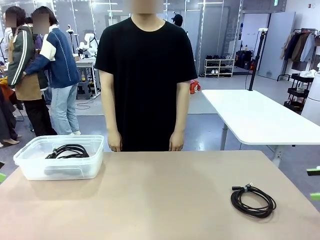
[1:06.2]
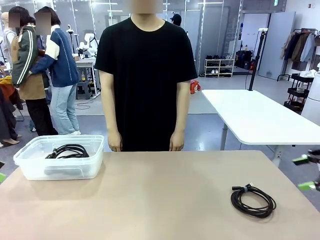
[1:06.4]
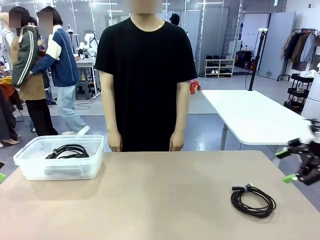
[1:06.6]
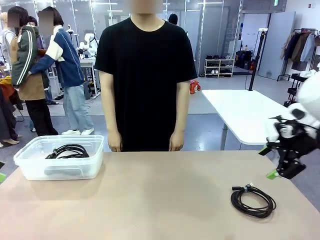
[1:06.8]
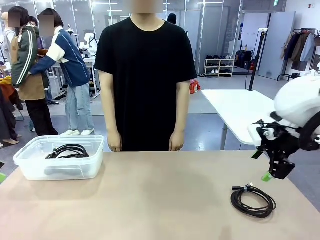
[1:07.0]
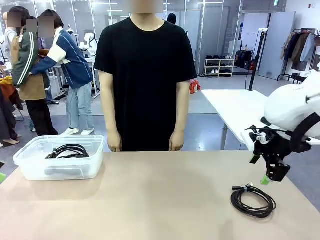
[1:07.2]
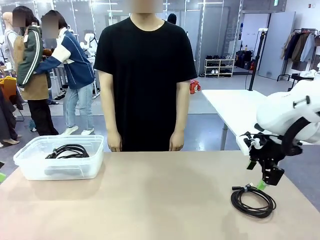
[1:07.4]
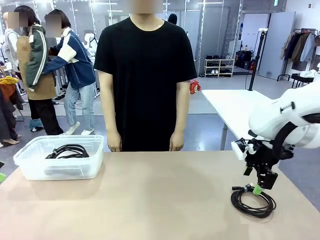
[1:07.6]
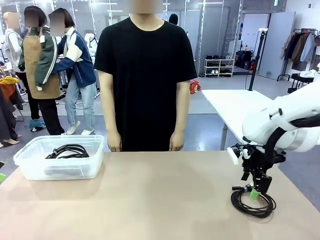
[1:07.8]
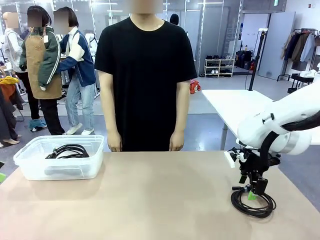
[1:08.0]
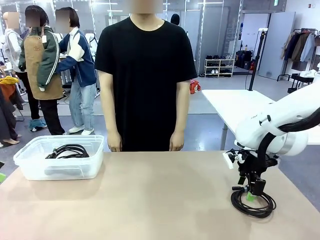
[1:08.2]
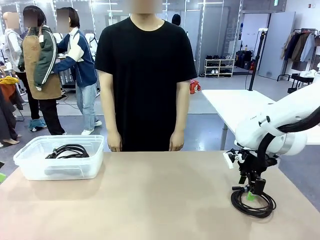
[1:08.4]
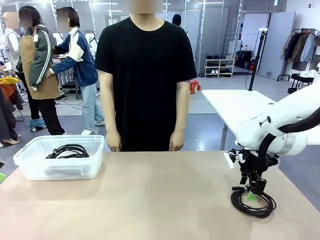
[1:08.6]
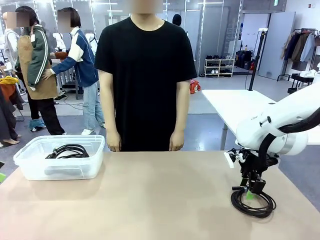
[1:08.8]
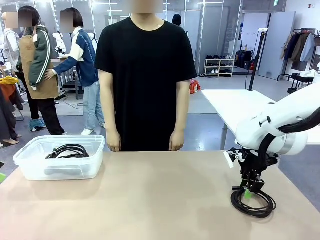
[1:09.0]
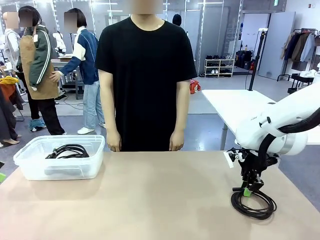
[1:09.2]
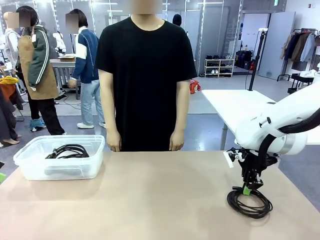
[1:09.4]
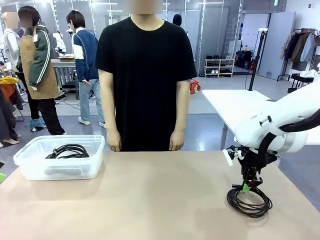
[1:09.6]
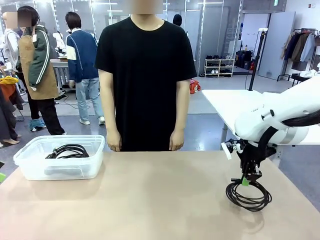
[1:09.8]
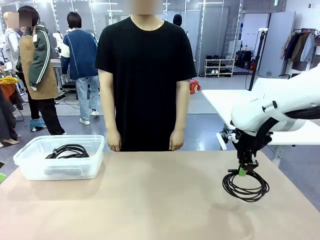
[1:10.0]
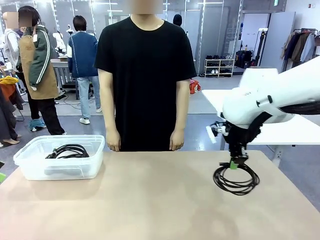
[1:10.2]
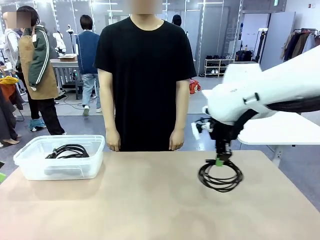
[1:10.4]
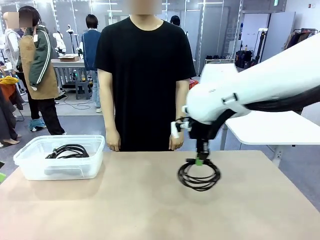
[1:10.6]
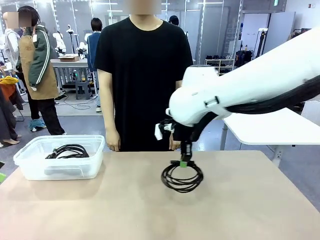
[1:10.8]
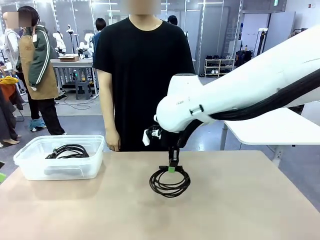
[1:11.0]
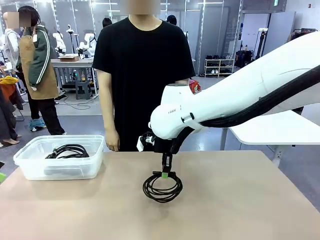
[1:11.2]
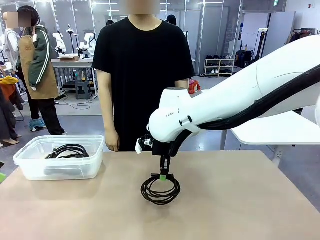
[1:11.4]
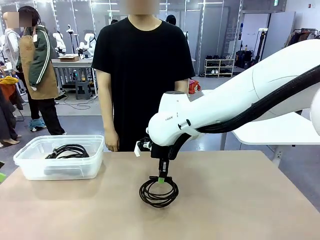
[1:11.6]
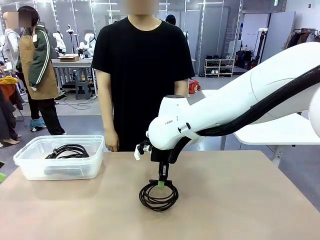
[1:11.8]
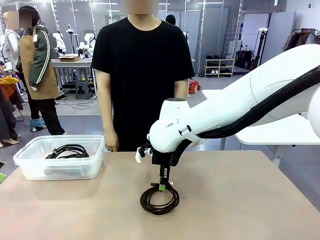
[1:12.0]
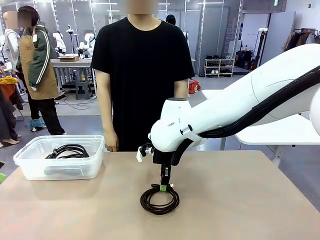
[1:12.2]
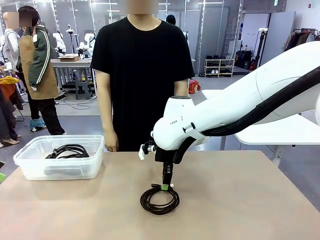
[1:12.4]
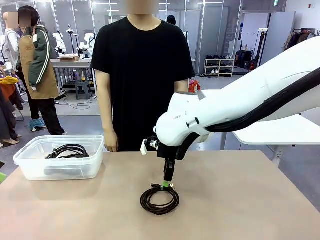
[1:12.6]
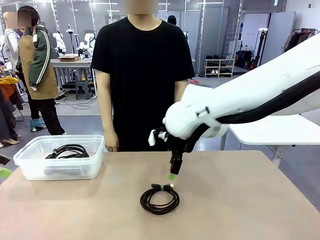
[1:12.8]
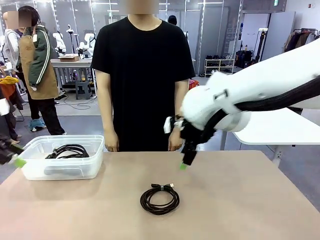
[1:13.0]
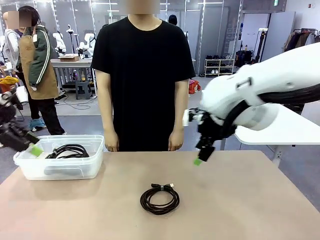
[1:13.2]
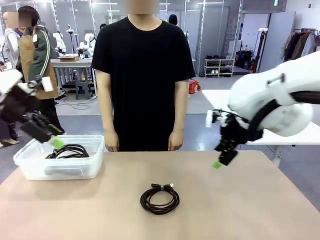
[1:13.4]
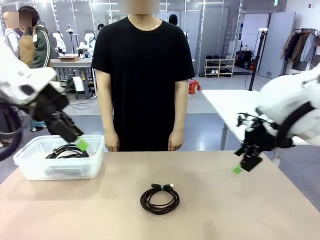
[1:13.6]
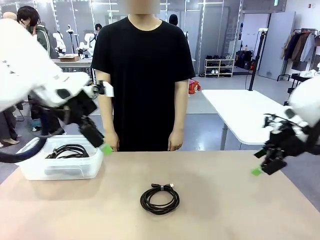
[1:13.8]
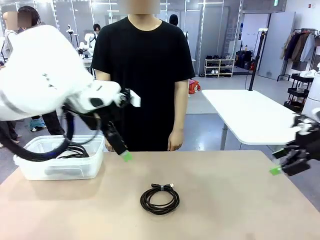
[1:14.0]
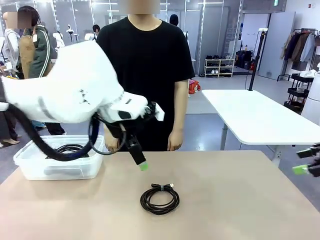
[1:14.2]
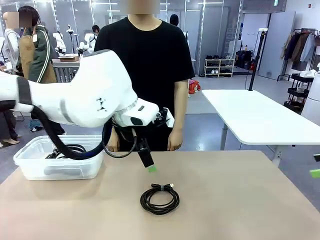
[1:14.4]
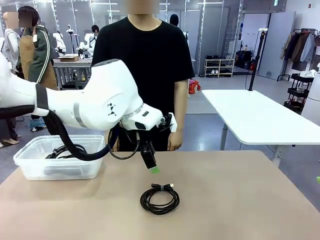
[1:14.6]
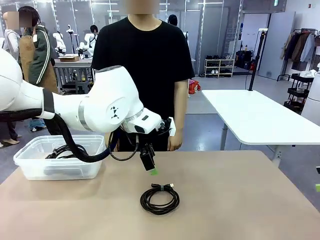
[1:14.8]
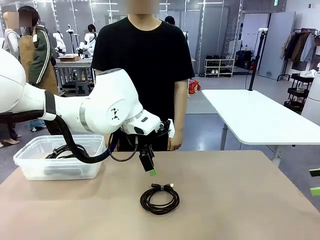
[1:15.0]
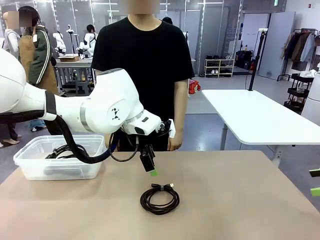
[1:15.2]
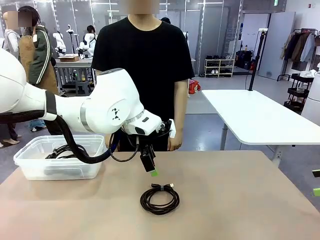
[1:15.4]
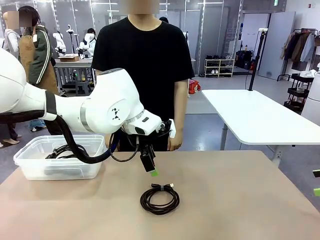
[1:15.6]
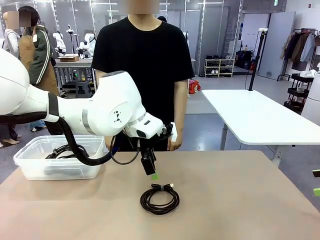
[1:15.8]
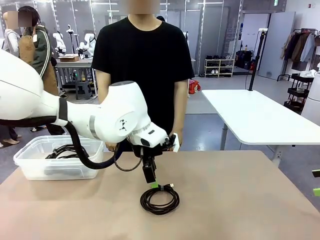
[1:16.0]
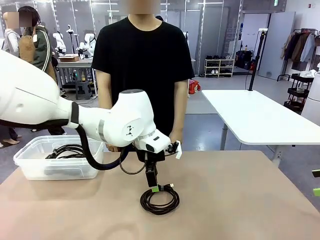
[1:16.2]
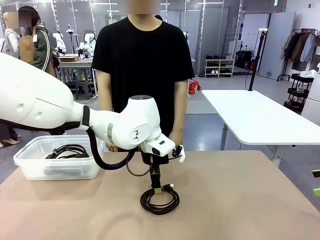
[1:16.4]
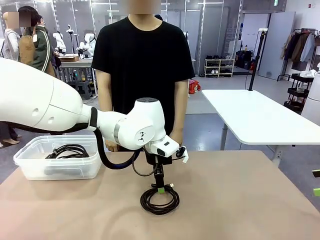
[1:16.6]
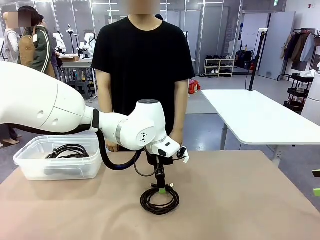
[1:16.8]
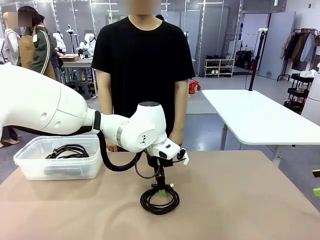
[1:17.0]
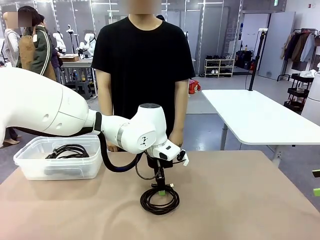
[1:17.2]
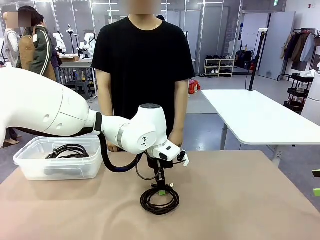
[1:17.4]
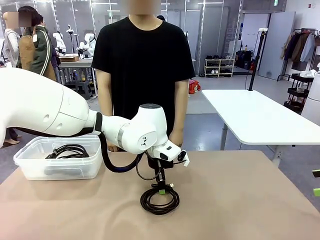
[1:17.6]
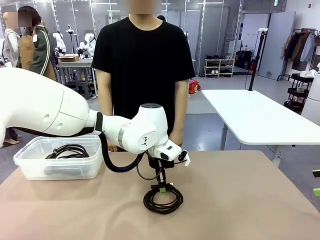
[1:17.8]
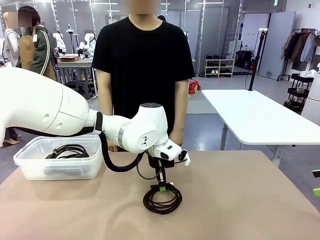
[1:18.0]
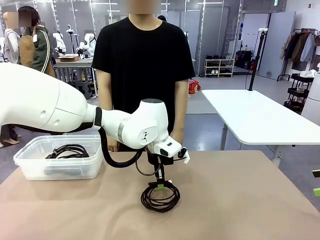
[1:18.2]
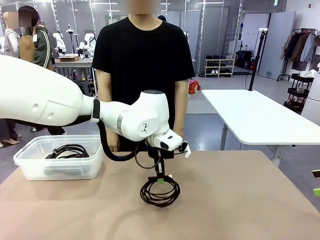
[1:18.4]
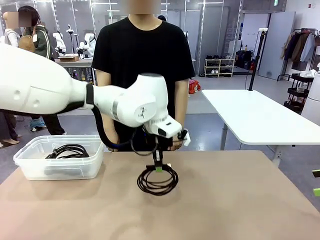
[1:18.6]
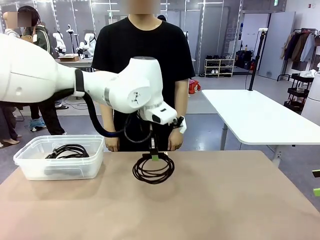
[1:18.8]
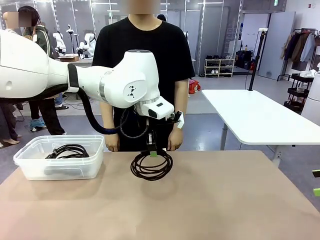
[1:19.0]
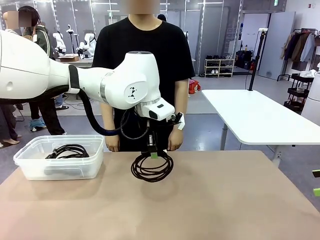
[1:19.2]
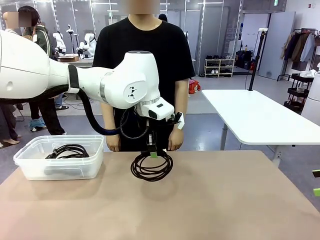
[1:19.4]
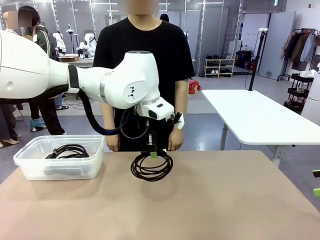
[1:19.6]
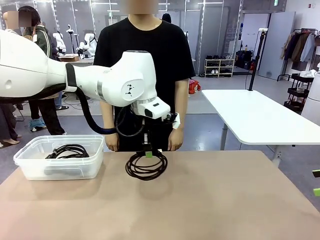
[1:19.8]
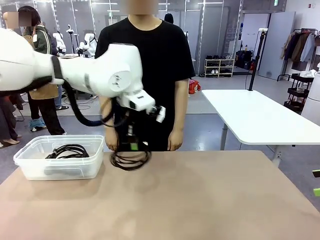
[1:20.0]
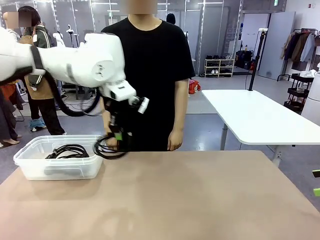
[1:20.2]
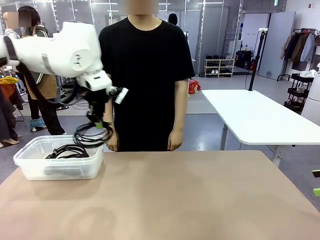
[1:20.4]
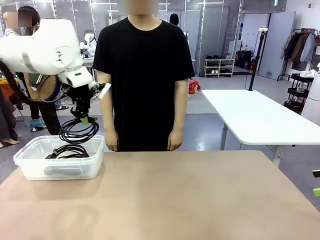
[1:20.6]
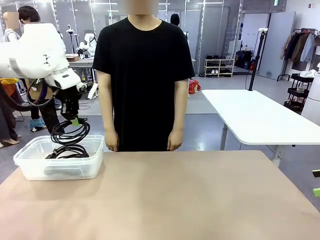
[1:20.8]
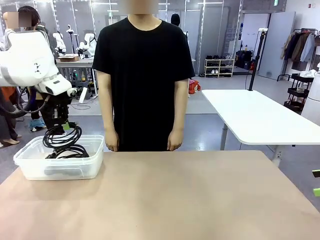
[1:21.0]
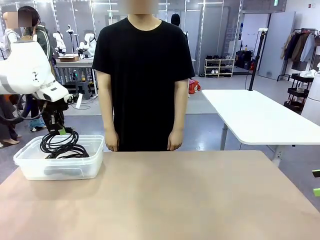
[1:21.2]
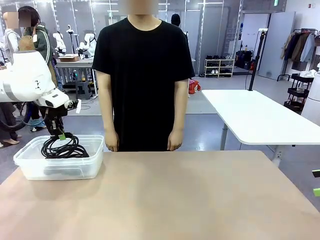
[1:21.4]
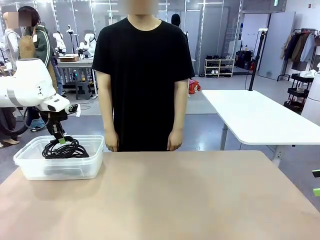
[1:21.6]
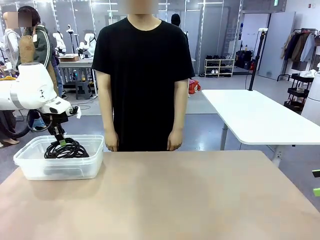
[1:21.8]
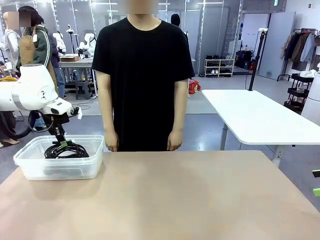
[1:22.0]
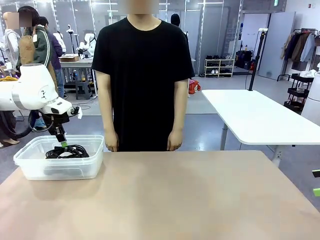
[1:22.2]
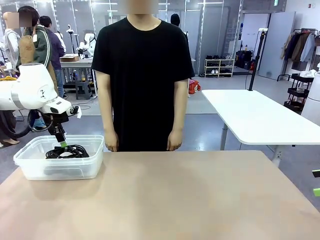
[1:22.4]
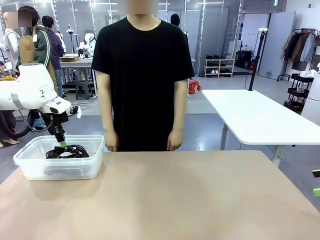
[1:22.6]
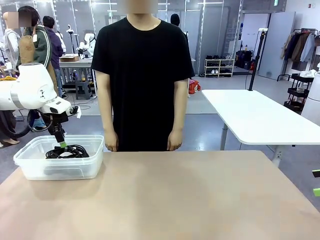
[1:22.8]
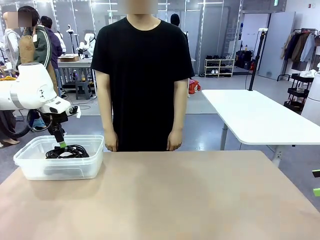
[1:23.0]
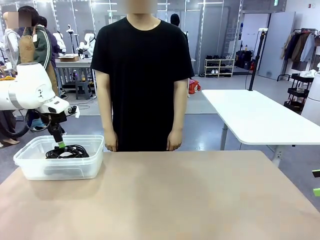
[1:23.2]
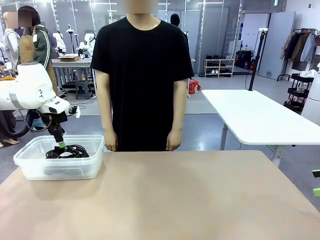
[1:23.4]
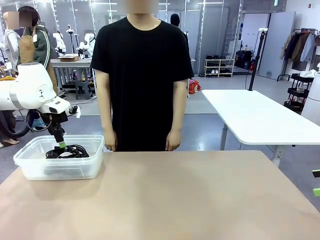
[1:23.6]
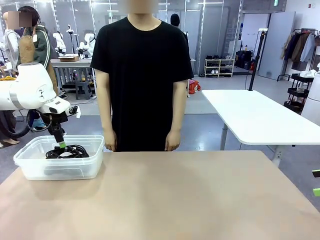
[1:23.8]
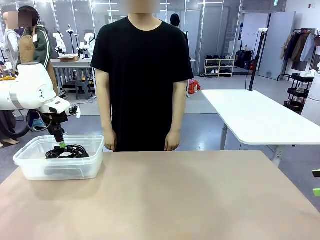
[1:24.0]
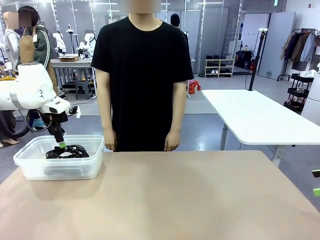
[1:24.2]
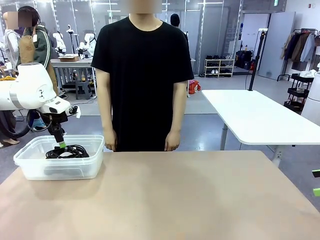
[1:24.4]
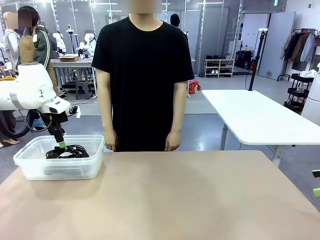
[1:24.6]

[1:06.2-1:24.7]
Task: Organize and store the cables.
Robot: Place the USB Extension Cable into the Organizing box.

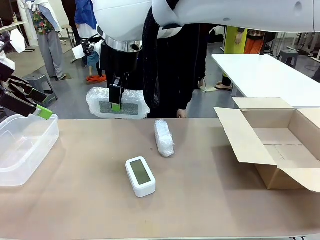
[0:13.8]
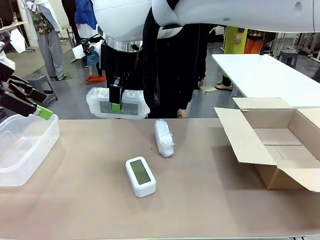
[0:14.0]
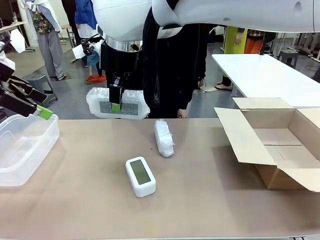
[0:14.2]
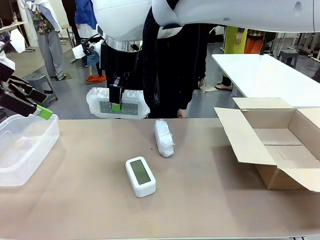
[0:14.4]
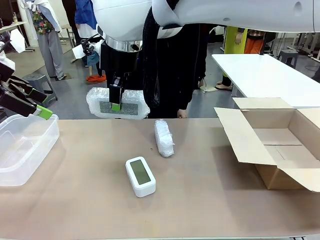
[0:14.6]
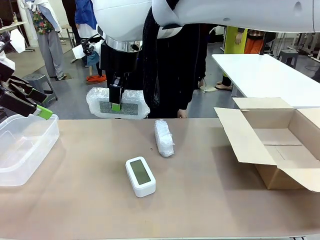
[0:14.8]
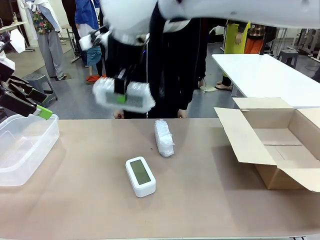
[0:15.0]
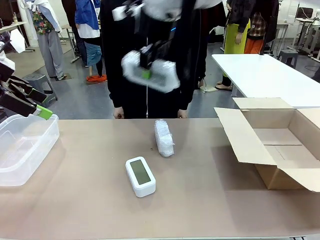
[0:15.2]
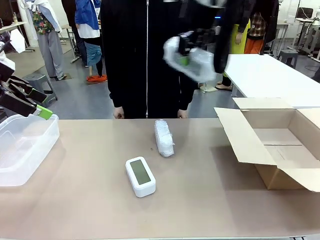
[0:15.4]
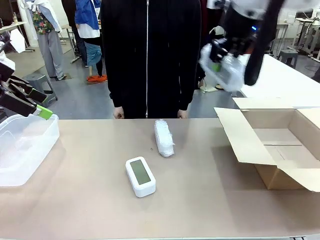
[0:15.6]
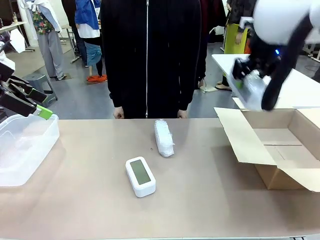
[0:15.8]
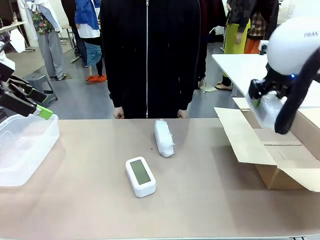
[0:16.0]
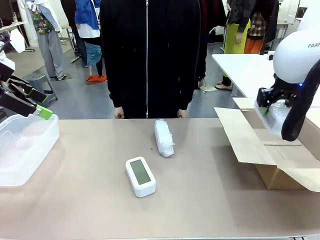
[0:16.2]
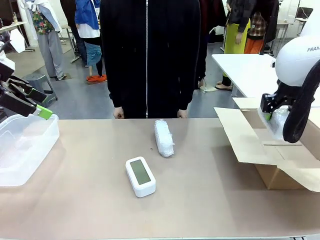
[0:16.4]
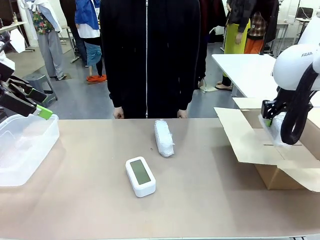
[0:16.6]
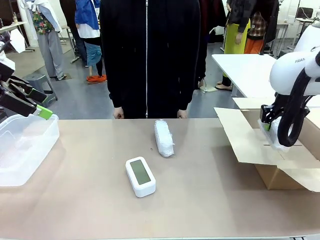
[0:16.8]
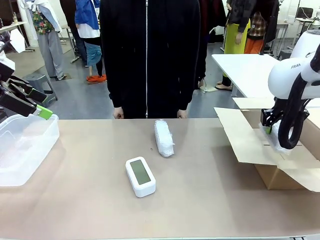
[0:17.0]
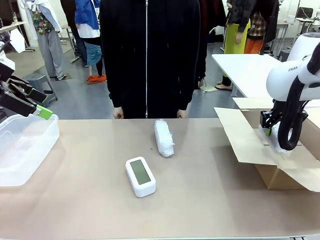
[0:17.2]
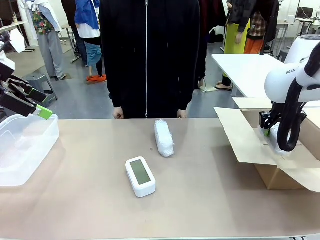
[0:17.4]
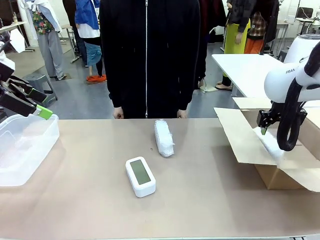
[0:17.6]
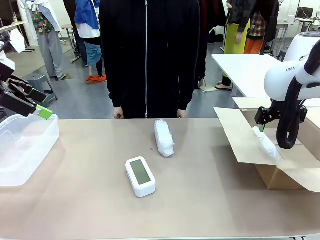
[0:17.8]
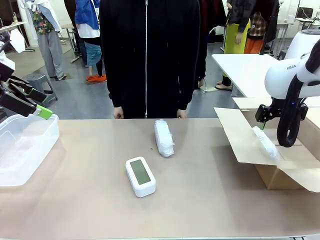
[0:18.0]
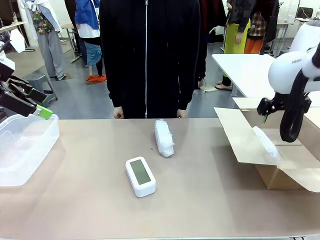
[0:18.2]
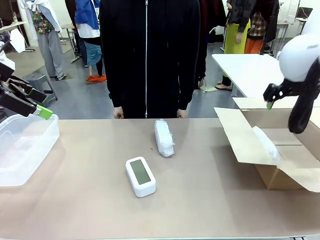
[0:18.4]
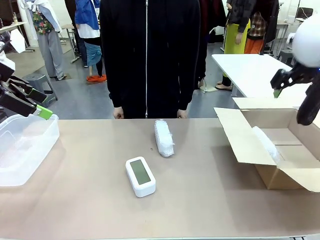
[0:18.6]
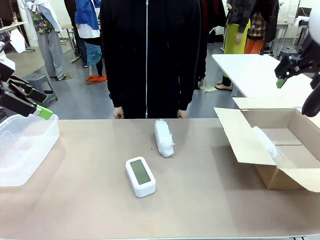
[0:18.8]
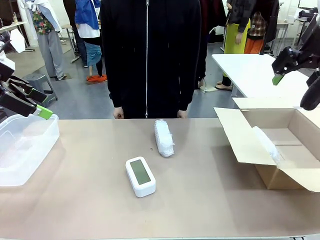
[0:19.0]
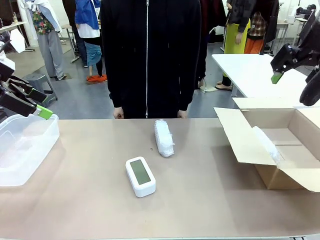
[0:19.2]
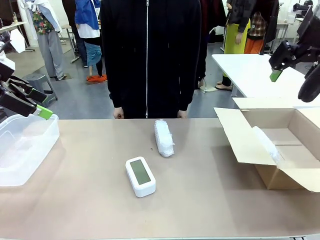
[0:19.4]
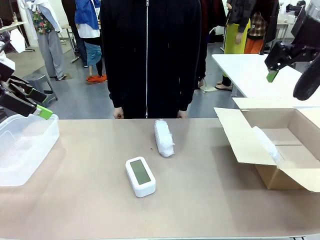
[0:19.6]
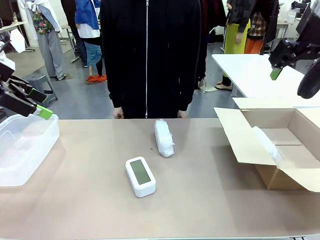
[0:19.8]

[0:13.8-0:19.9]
Task: Separate and place wrapped and unwrapped clocks.
Robot: If the picked Digital clock is wrapped, place it in the Package Box ; if not, place it in the Organizing box.
